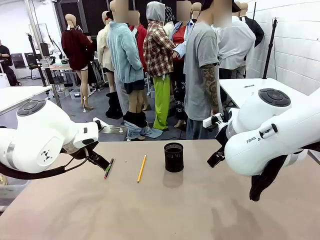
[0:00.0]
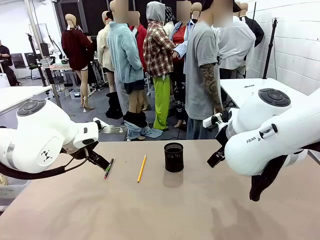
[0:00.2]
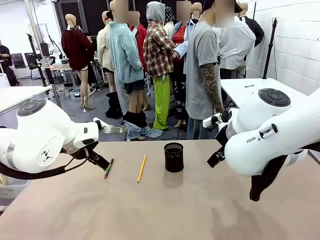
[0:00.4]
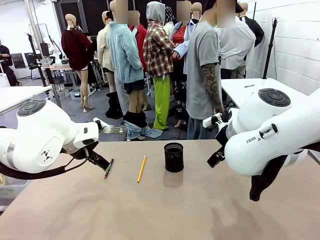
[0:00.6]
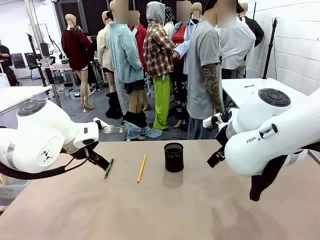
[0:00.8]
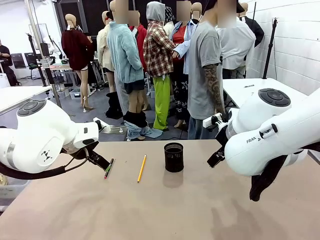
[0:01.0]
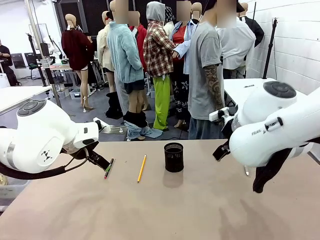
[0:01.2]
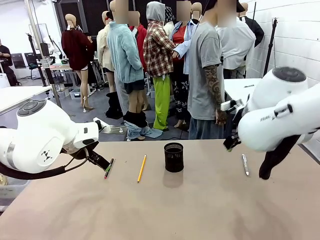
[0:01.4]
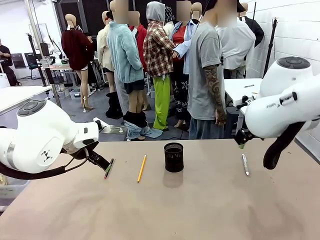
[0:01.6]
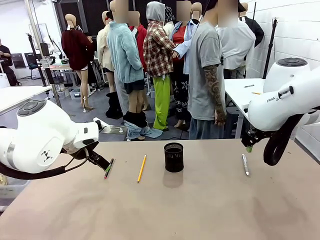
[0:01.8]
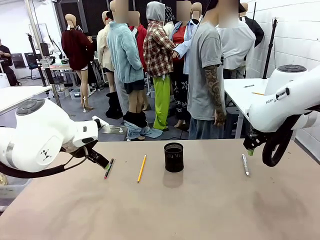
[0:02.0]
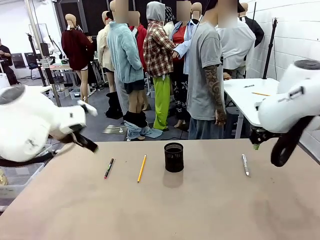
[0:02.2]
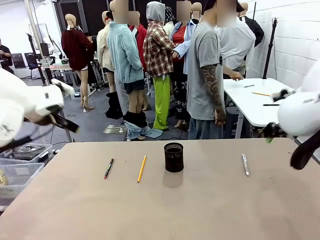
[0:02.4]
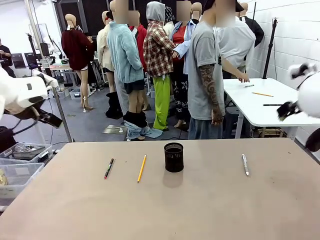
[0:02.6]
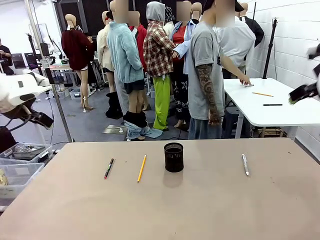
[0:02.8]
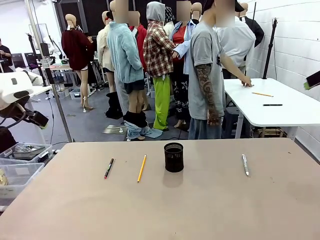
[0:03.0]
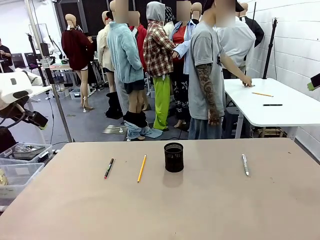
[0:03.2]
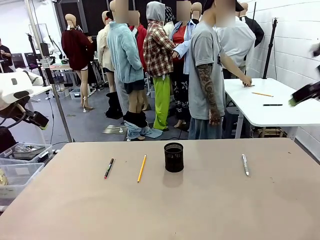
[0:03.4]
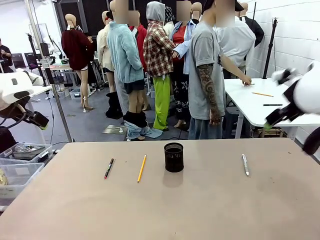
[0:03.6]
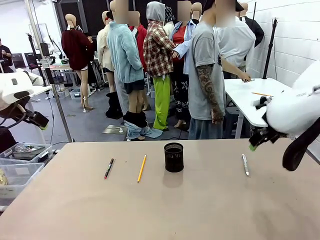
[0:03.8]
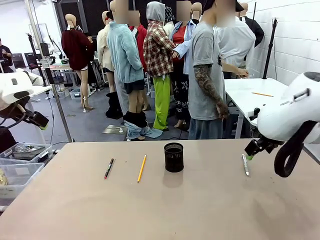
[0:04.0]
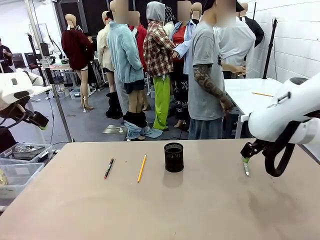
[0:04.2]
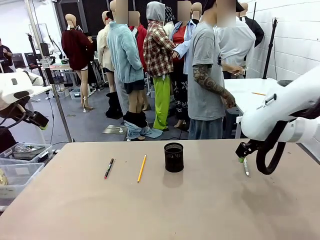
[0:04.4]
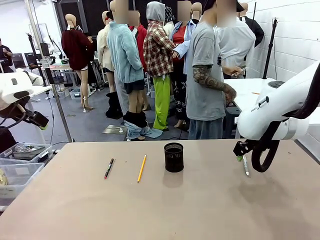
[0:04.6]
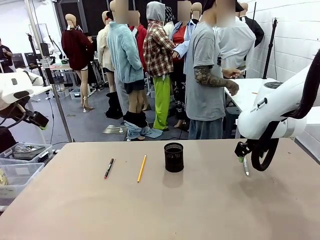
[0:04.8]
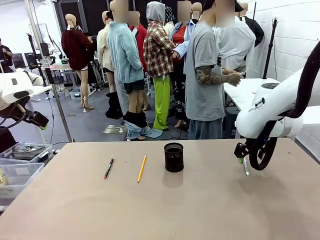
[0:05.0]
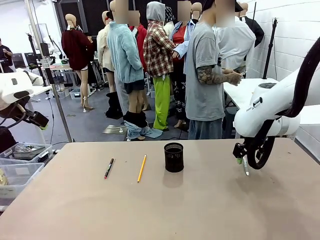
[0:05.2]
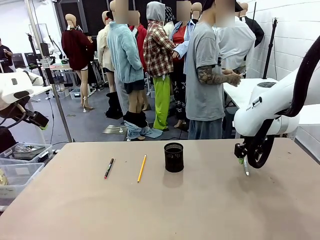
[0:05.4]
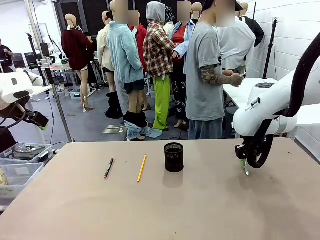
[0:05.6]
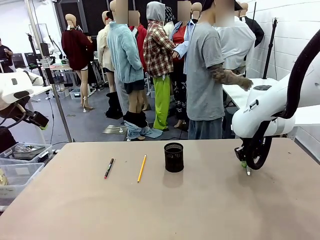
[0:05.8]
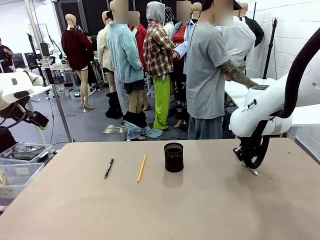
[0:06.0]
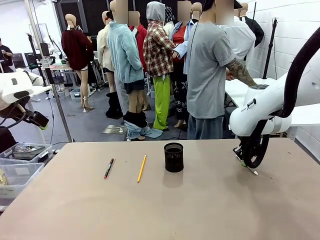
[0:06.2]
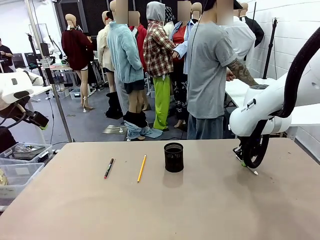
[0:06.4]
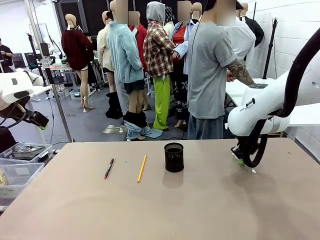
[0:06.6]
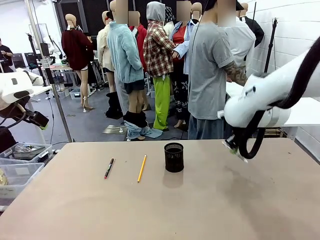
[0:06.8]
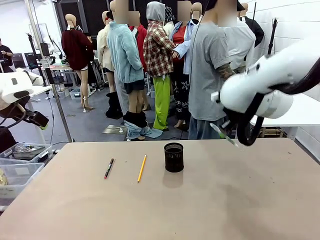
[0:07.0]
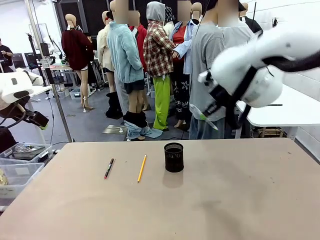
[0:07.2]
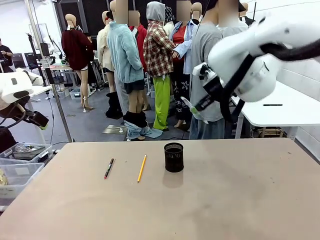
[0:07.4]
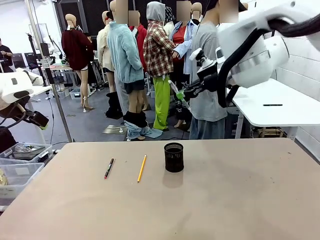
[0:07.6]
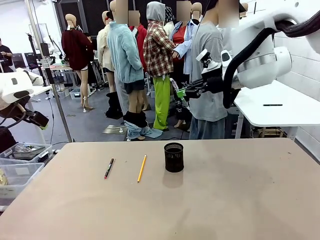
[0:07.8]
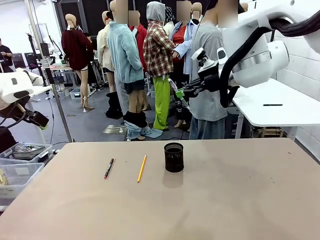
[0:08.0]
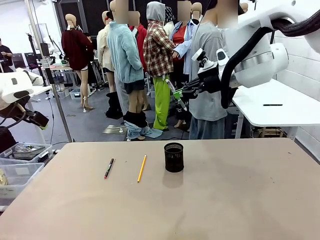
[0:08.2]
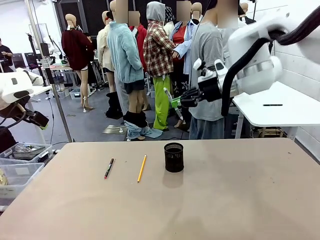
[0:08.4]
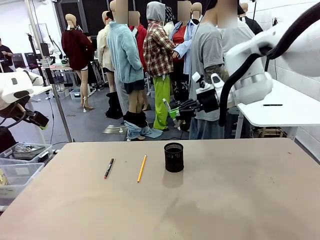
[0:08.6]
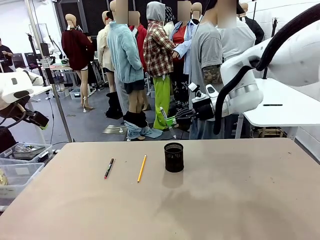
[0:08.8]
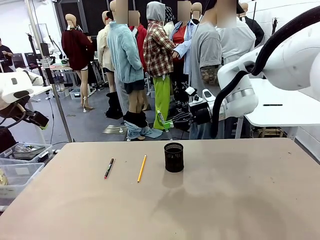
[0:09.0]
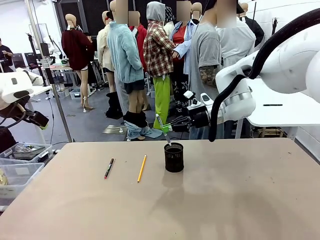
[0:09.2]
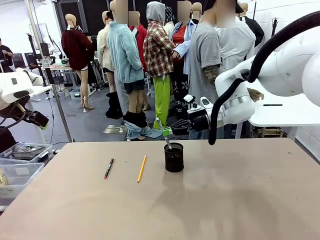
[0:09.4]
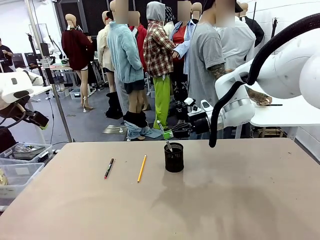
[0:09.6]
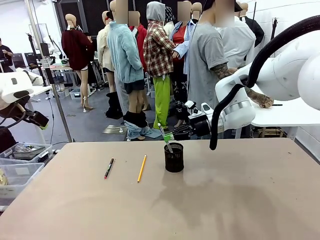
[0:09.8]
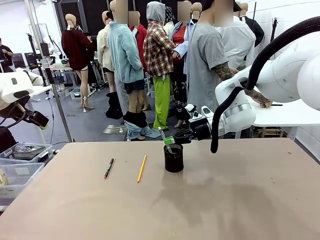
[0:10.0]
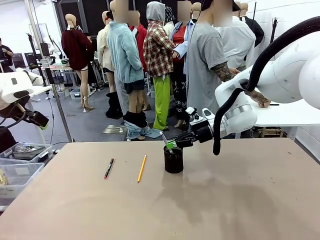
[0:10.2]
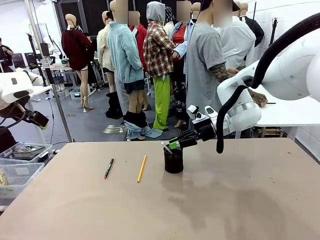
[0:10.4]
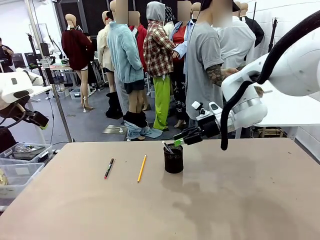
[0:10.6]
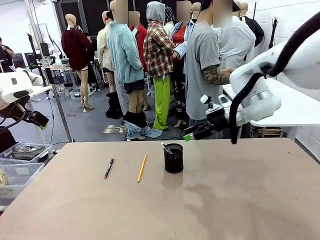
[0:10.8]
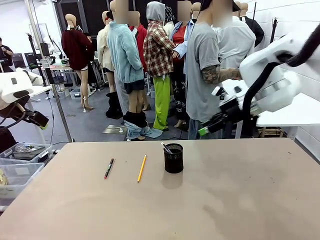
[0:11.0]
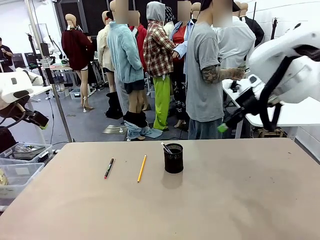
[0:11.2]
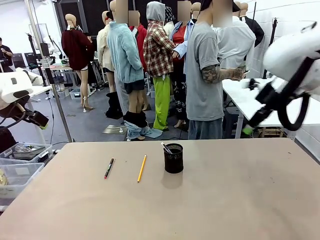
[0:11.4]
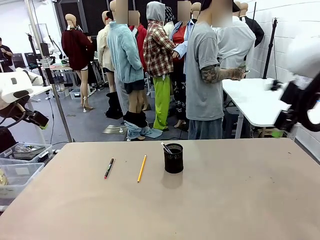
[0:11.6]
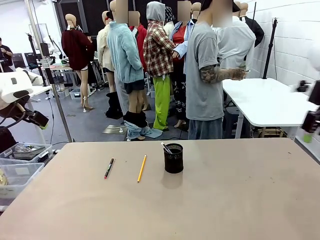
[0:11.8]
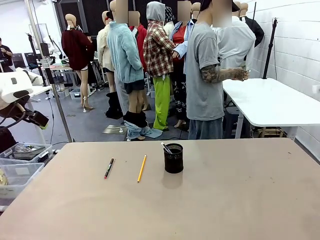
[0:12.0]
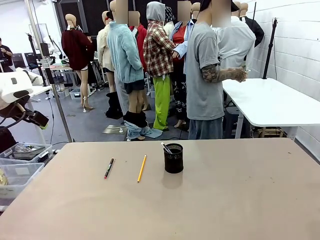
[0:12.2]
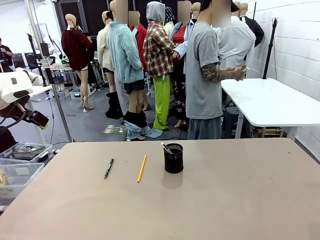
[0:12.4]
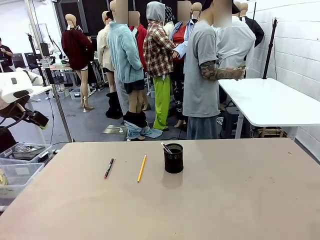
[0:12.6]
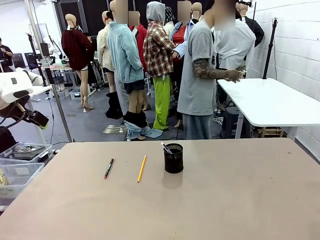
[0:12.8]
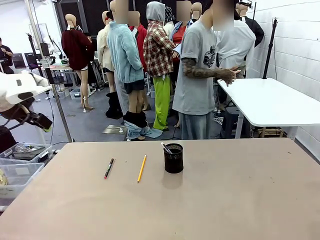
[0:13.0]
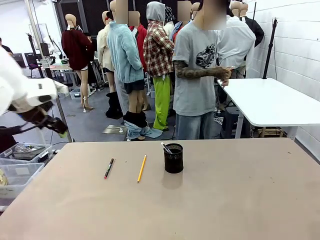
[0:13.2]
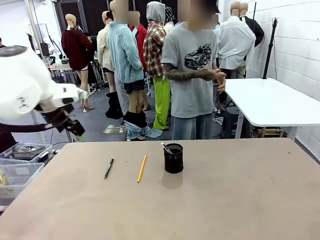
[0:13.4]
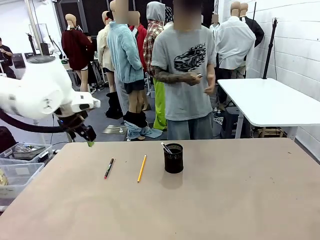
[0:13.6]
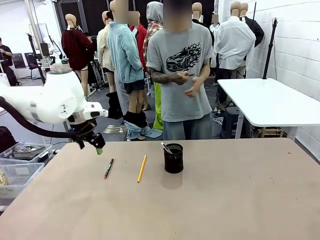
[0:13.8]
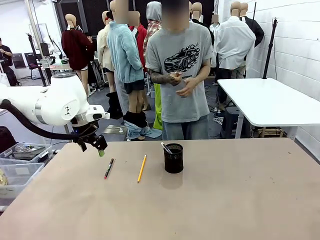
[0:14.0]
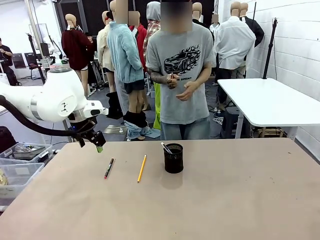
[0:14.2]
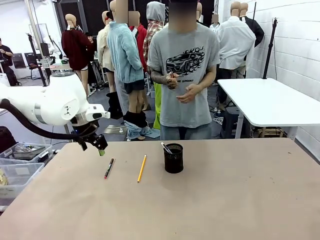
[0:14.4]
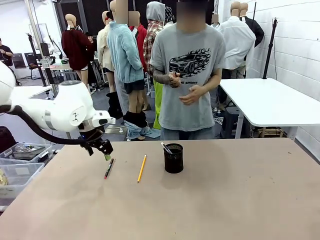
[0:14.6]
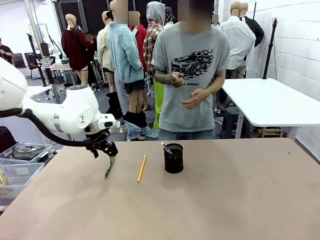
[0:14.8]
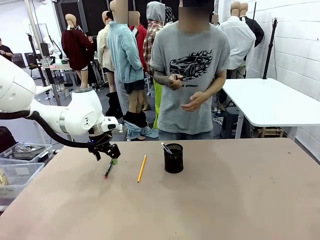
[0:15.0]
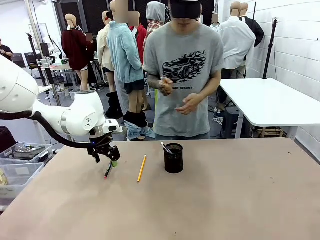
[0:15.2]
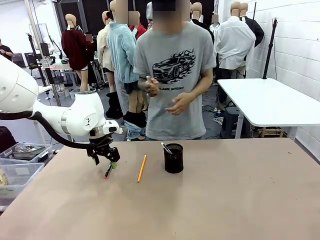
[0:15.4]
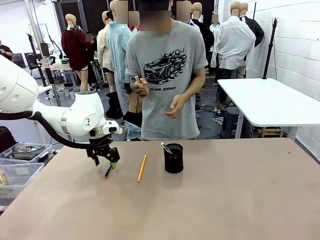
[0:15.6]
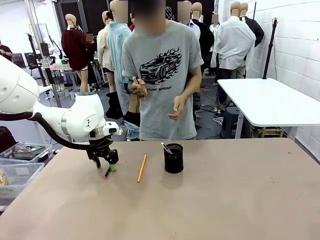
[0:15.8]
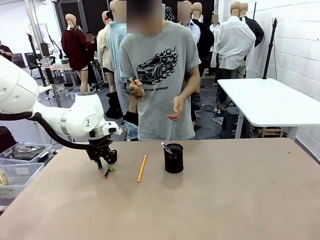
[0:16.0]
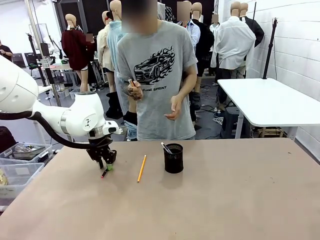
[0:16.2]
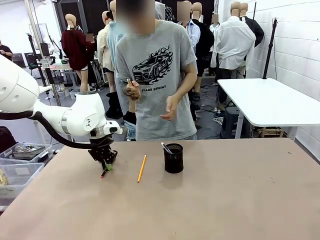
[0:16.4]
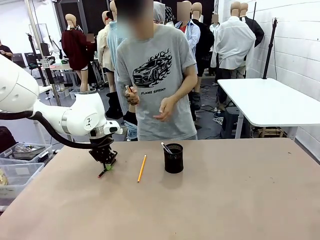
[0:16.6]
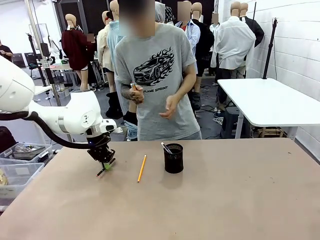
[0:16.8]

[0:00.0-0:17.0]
Task: Place the pens into the pen holder.
Robot: Pick up a writing instrument from the table and place it into the Pen holder.
Person: Pick up all writing instruments from the Human table.
